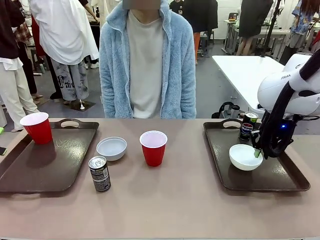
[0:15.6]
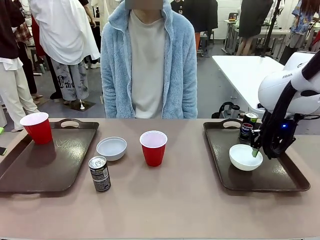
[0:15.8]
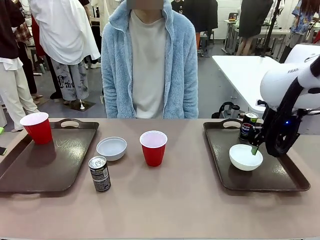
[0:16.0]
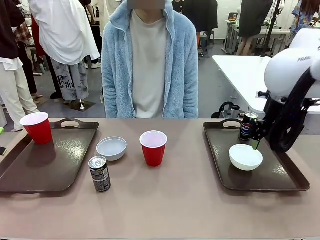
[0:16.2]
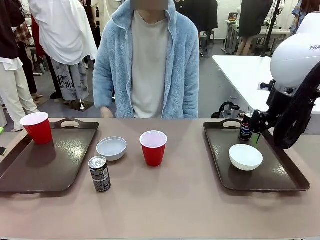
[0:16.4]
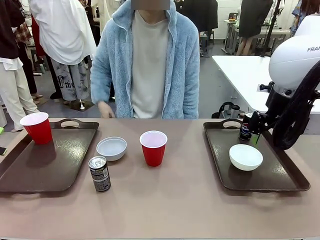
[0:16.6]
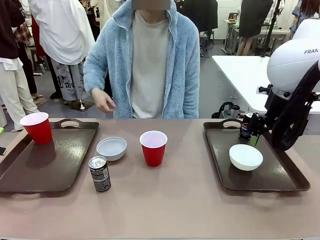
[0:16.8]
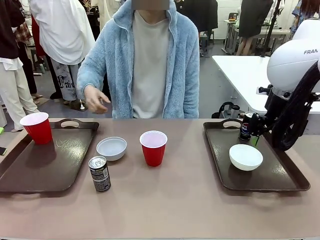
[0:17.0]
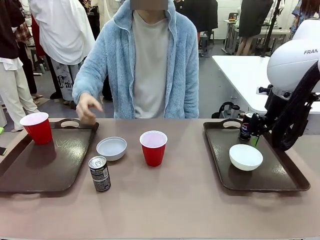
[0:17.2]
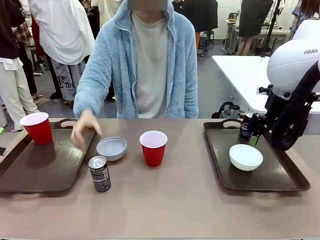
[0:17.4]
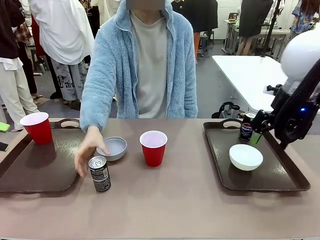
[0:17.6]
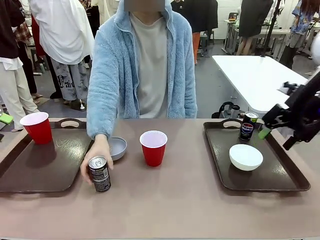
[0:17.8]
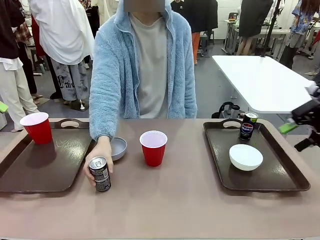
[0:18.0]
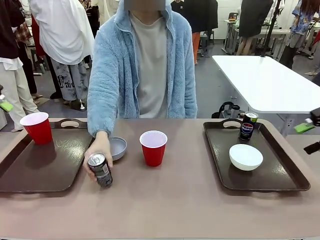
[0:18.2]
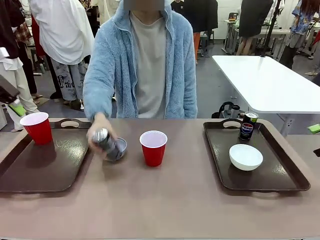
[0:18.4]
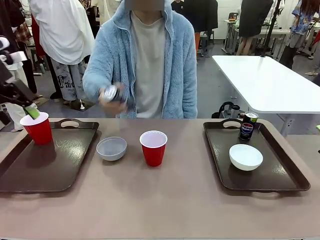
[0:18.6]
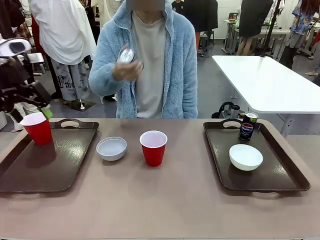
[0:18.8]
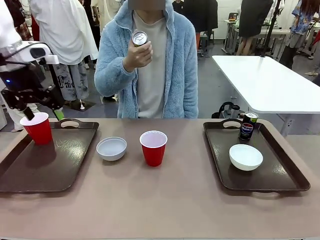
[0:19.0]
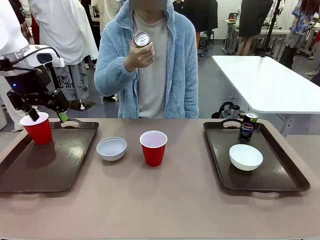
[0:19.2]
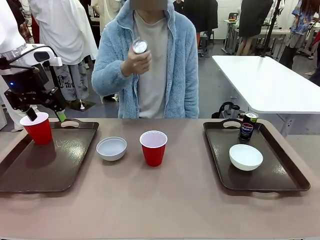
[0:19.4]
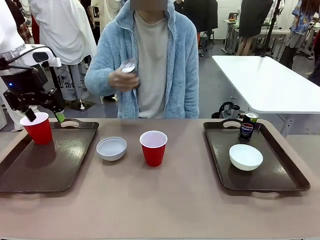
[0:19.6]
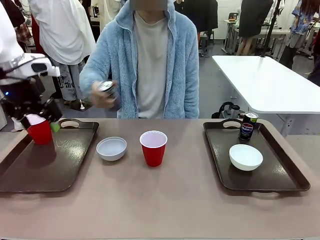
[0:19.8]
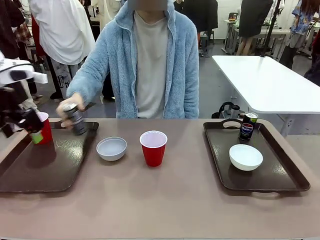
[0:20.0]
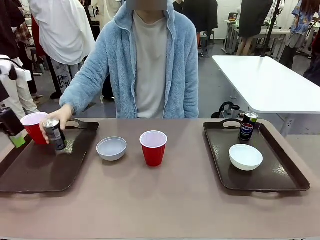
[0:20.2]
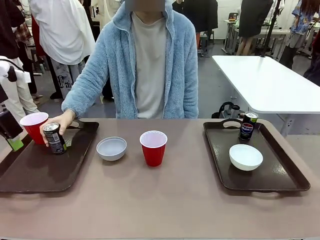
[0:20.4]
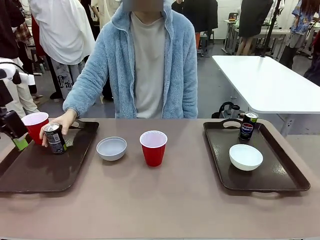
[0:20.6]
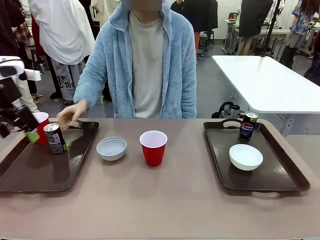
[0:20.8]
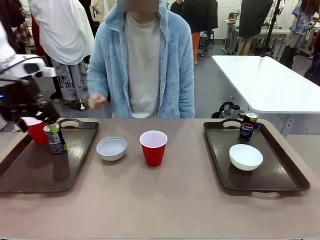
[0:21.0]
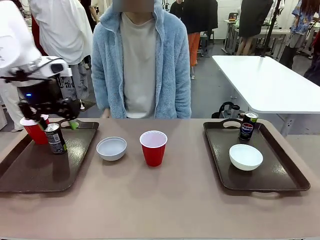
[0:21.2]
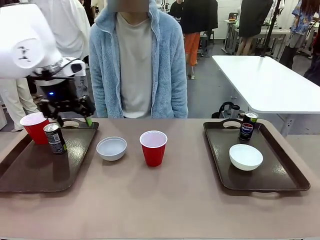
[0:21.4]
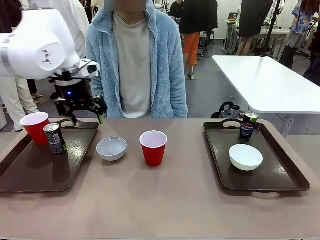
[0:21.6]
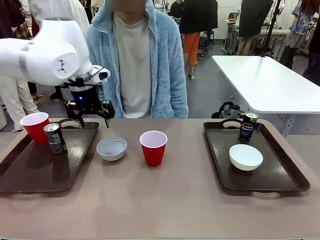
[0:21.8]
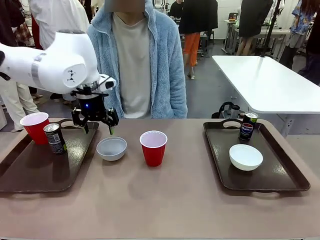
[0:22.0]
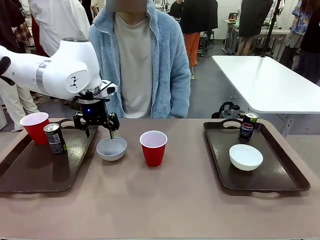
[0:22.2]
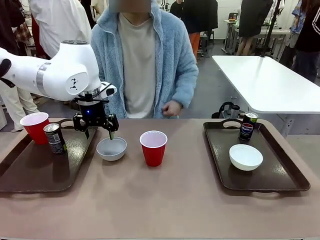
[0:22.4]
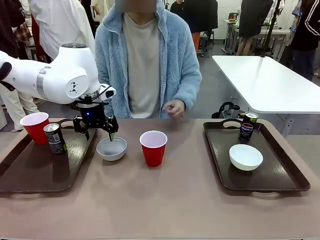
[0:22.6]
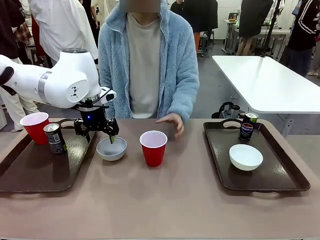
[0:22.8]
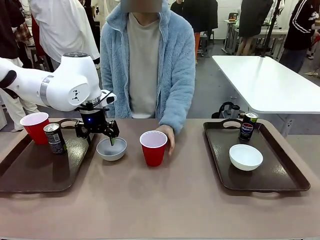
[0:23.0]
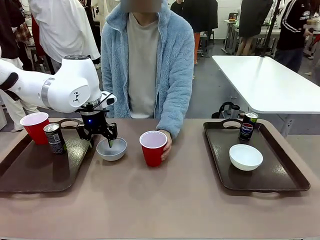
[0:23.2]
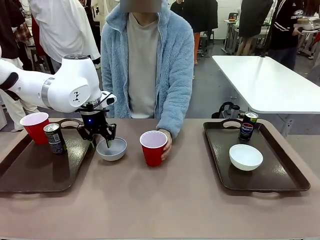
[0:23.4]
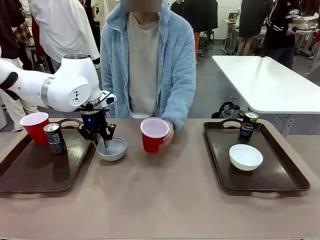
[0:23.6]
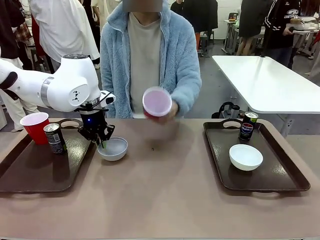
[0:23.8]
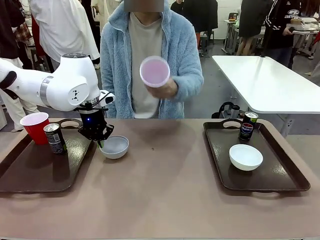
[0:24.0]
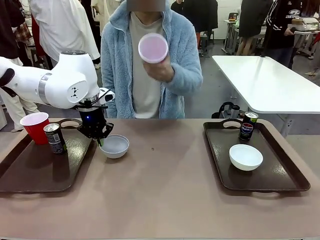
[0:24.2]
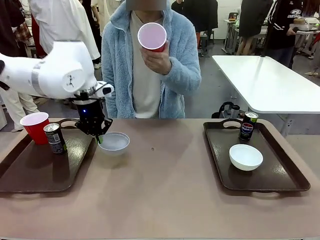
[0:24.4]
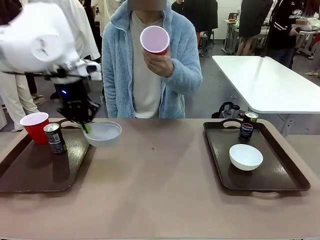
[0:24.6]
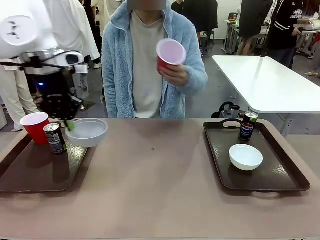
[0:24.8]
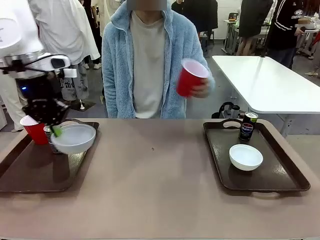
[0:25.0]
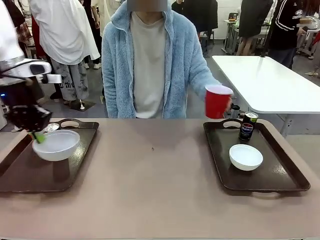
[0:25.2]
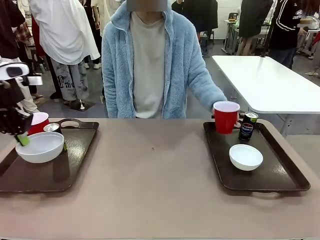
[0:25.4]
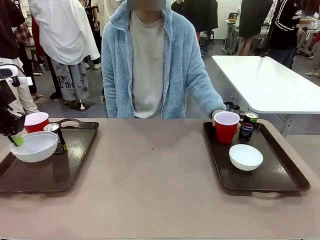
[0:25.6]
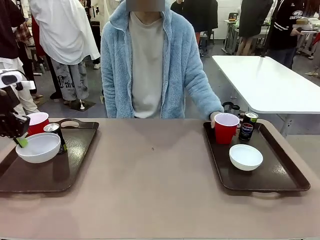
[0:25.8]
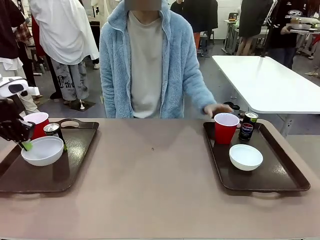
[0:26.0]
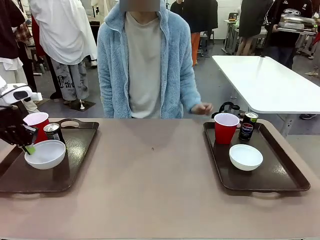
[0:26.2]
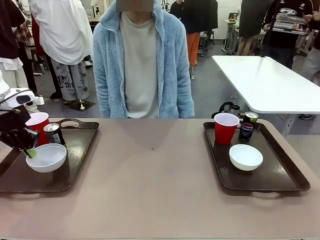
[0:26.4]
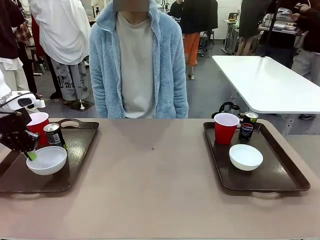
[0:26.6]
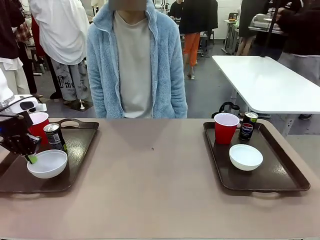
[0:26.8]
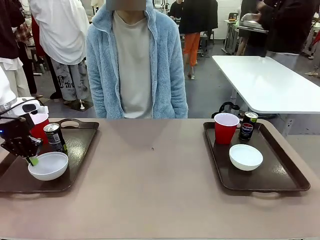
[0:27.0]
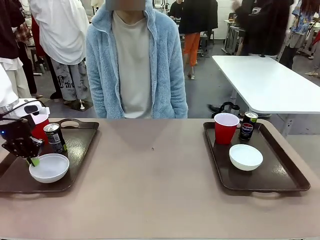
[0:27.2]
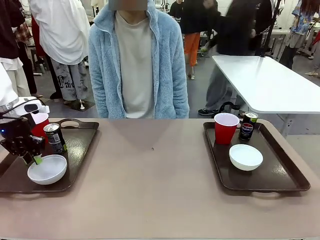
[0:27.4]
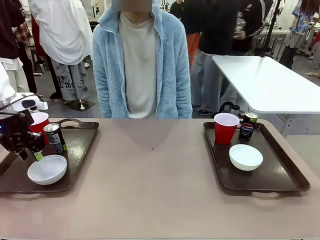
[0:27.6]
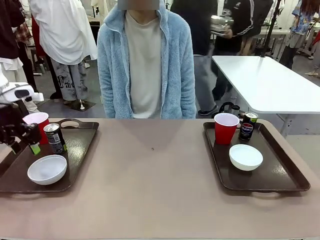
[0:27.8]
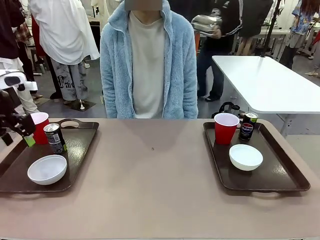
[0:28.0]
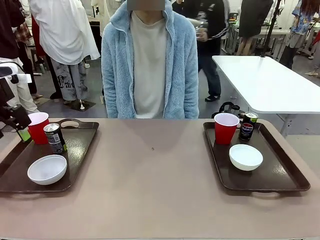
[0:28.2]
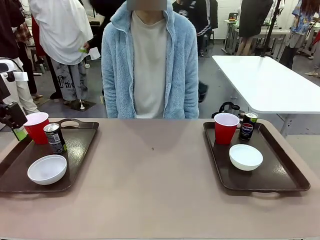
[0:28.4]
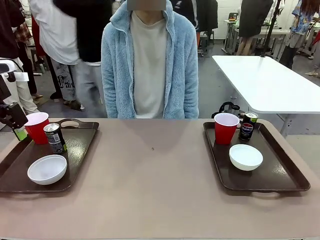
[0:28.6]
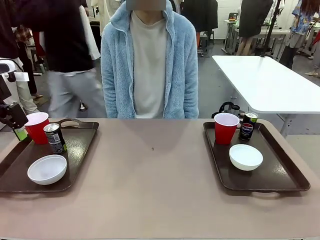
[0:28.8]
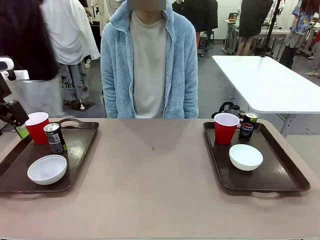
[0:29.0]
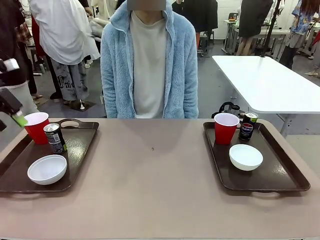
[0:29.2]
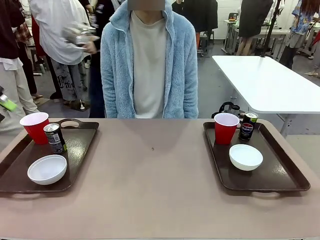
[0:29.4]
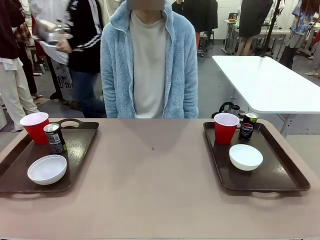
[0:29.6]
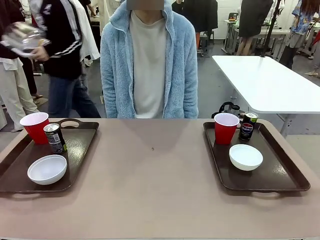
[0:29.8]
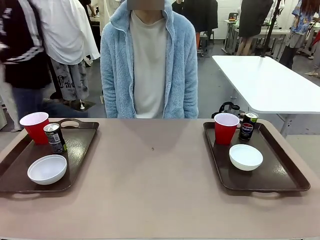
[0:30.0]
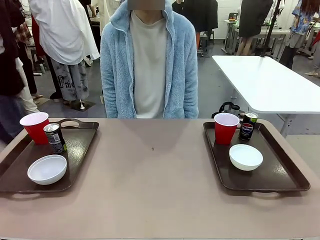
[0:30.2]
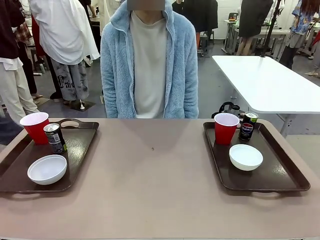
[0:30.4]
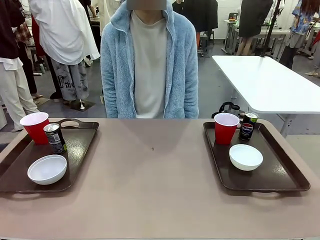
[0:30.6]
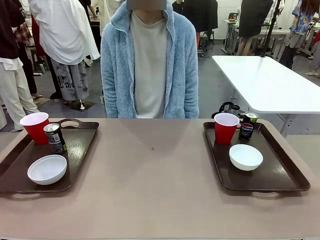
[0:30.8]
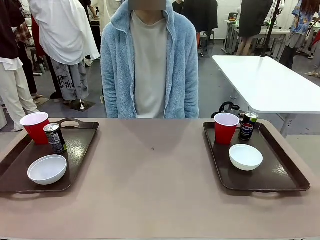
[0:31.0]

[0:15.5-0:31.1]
Task: Prepare tableware on both trays.
Robot: Pick up a Picnic Bowl from the table and place it on a Handle tray.
Person: Pick up a can or cup and place it on the tray without a can or cup.
